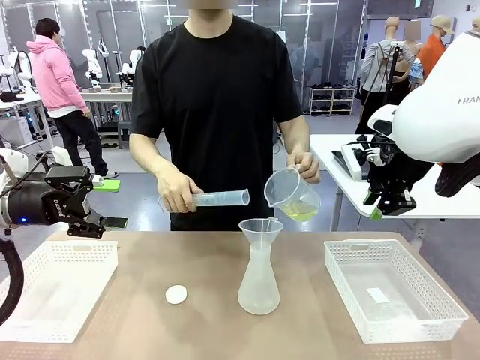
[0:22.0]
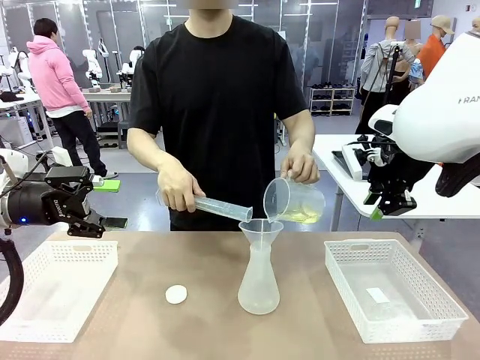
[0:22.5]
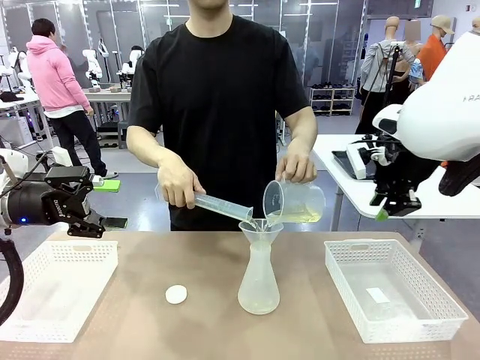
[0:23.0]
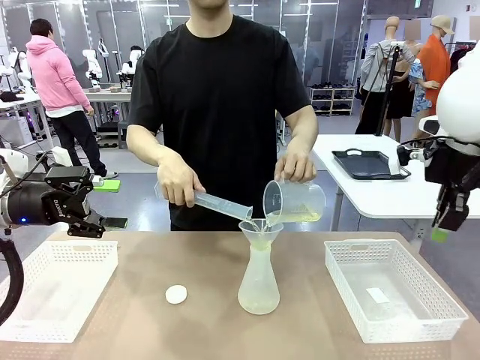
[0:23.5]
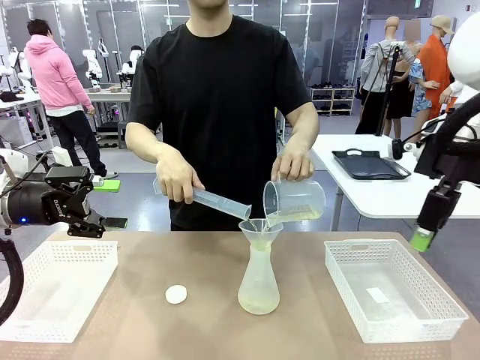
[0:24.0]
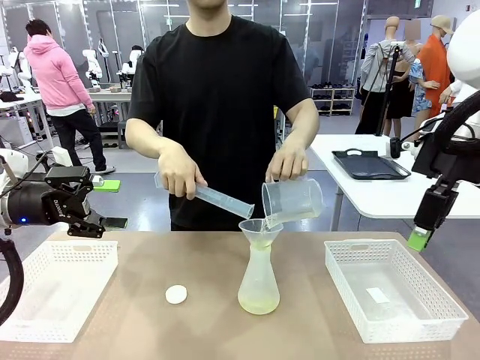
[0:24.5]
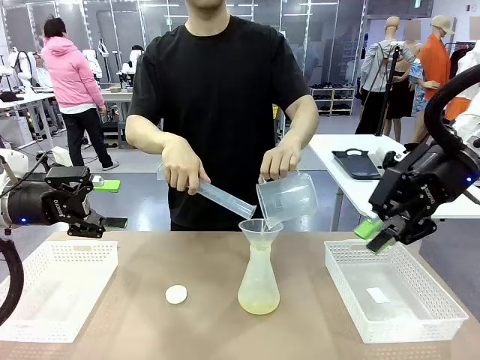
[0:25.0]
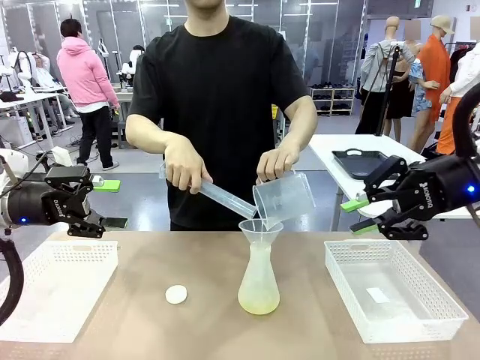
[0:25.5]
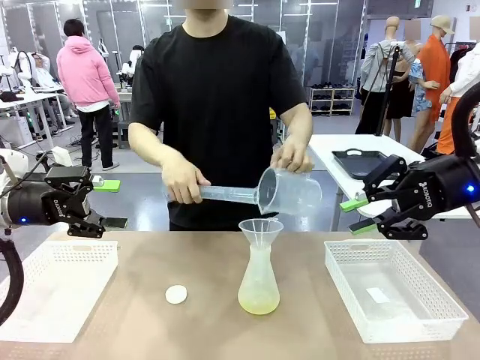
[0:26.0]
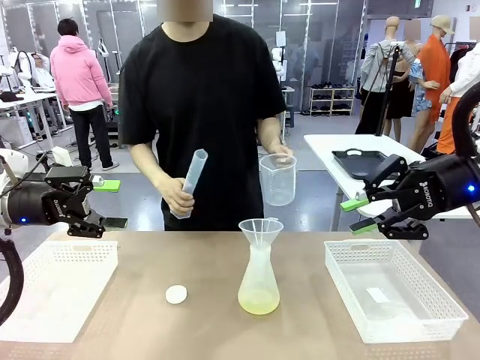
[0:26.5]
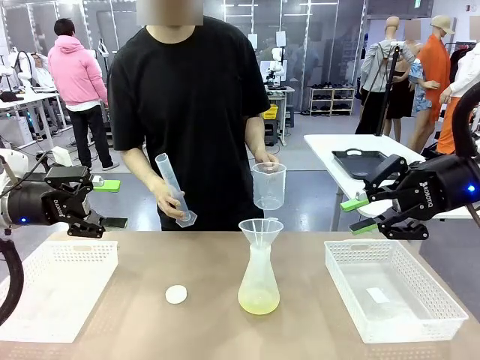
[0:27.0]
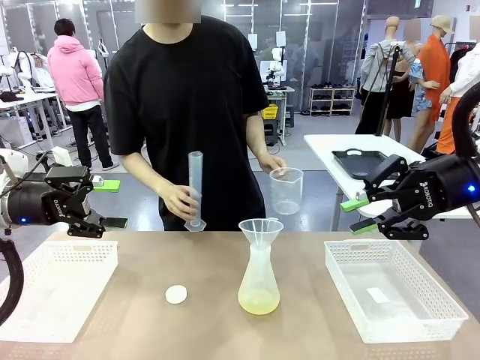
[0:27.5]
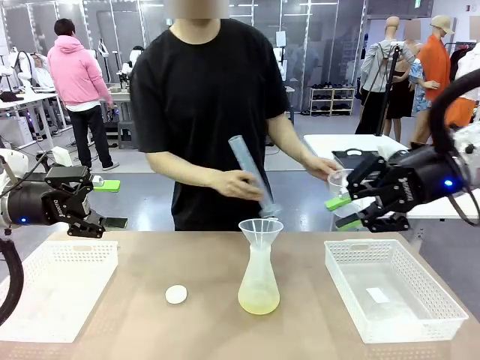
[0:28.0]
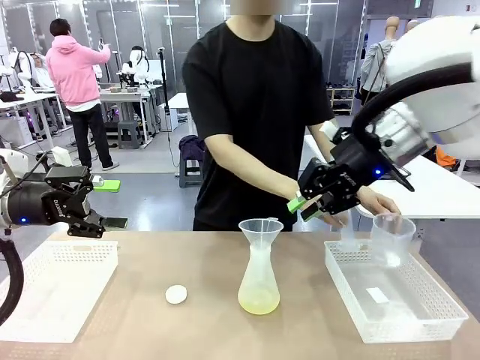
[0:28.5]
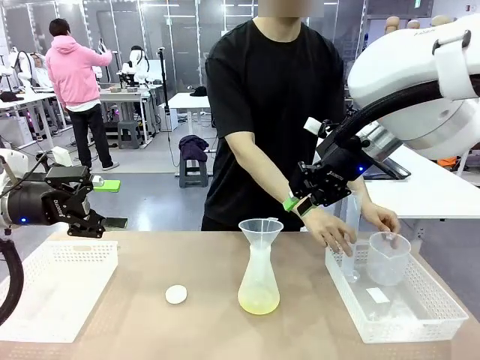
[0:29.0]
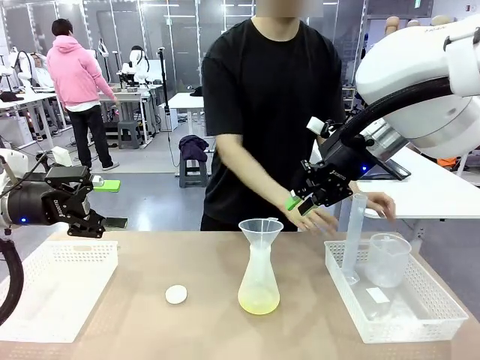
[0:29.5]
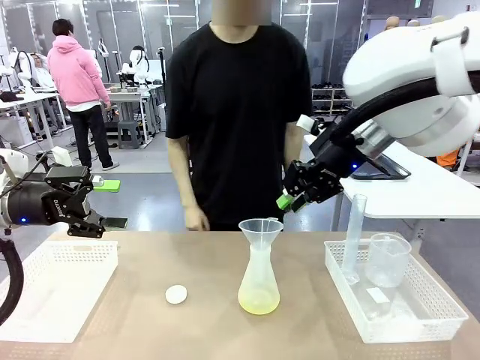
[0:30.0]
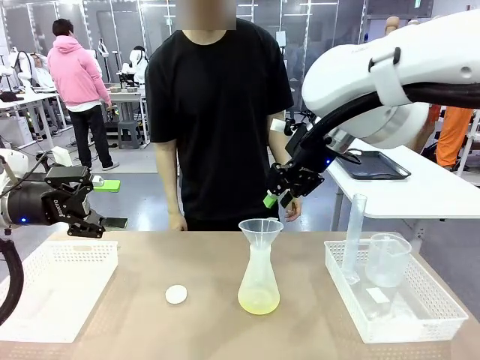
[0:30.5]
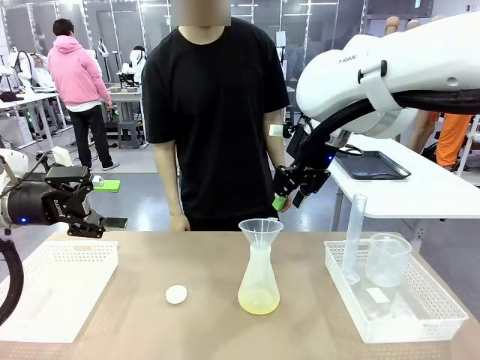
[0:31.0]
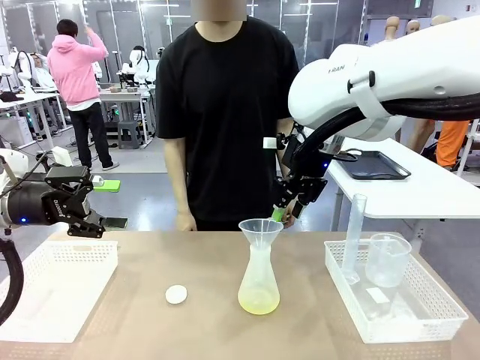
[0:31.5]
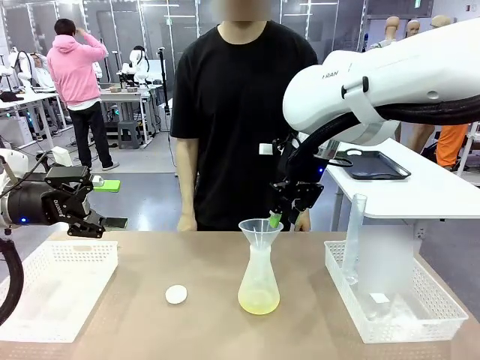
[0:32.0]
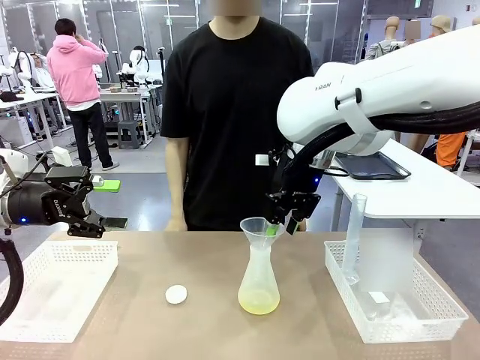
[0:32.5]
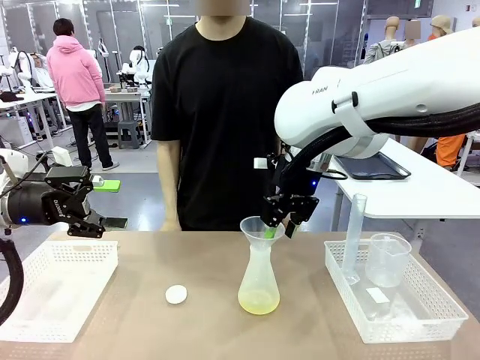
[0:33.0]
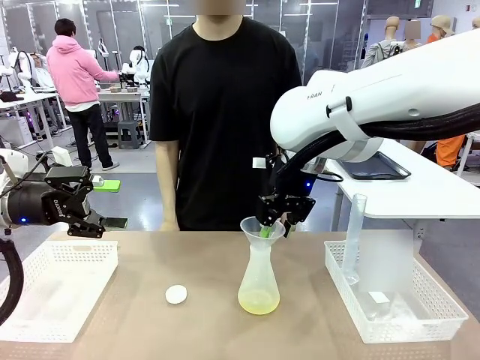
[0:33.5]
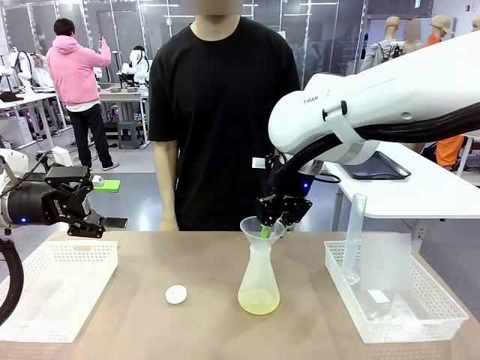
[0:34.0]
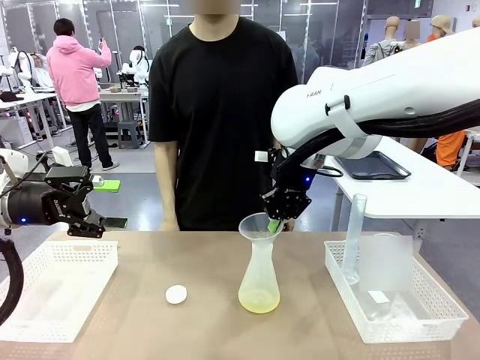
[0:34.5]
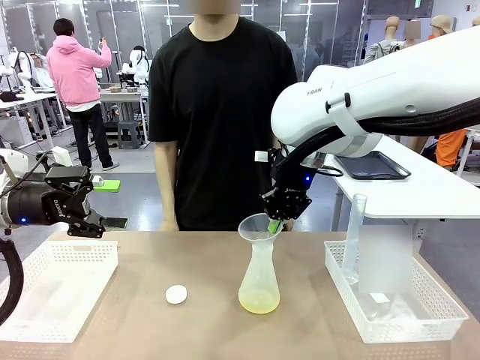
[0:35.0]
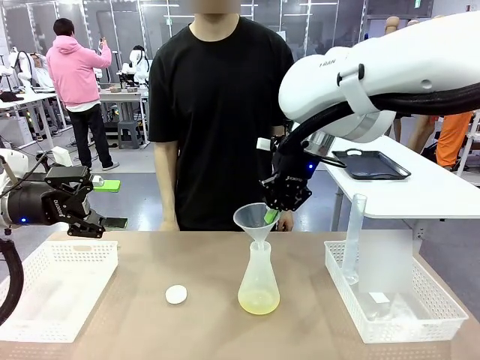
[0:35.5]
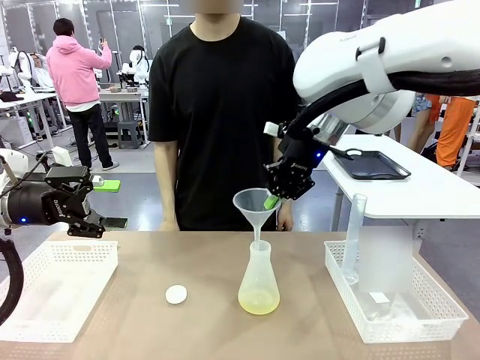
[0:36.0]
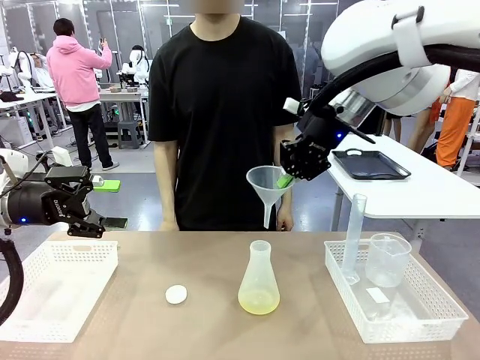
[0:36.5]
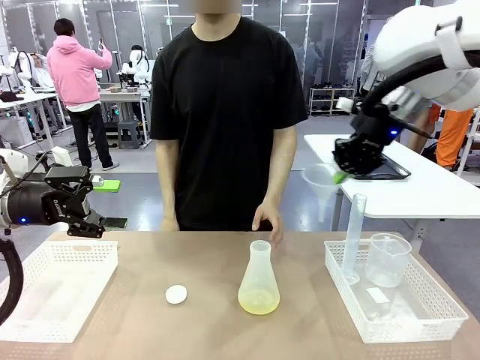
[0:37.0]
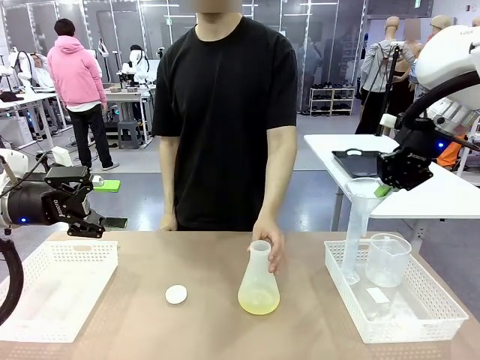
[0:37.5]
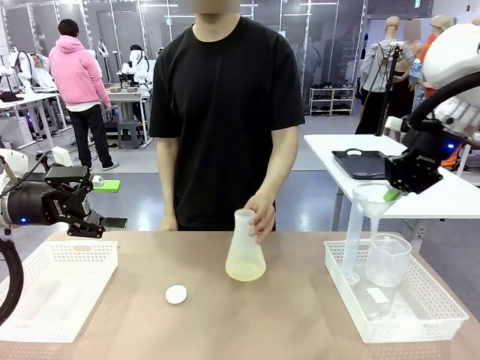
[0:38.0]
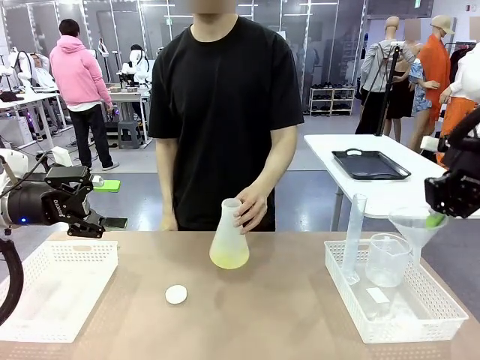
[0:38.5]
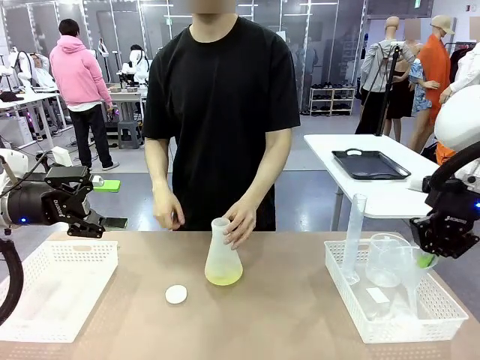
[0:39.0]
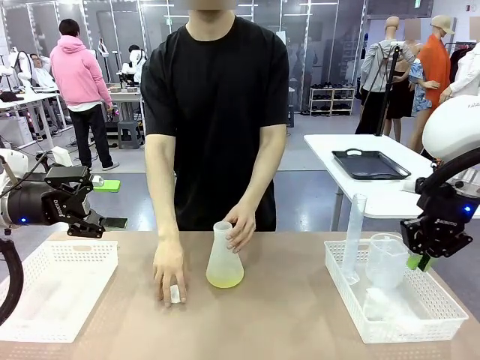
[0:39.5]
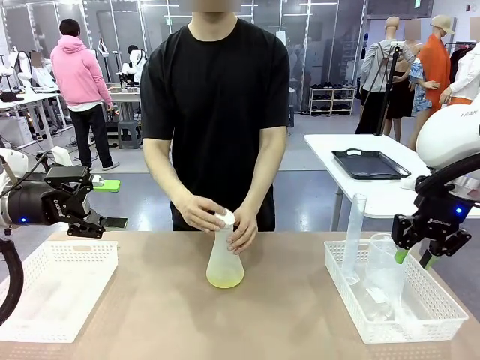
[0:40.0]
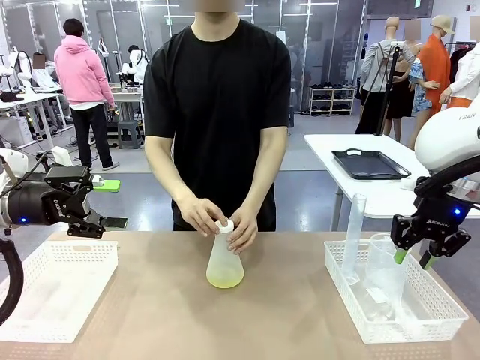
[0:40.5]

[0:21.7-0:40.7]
Task: Prepare the solutions needed for the experiment.
Robot: Once the solution is in the Big flask , pick up the Plastic Funnel and place it back into the right Organizing basket.
Person: Place the beaker and the cylinder into the organizing basket on the left side. Pick up the flask, gently shake it 2–3 times, place it in the middle of the robot table, and close the lid.

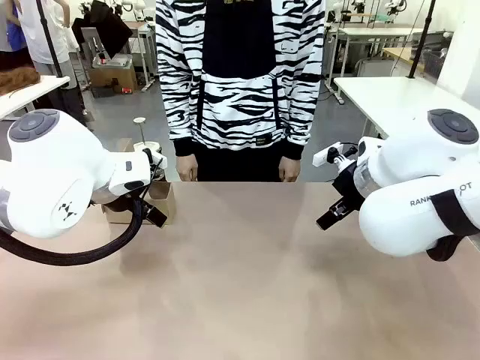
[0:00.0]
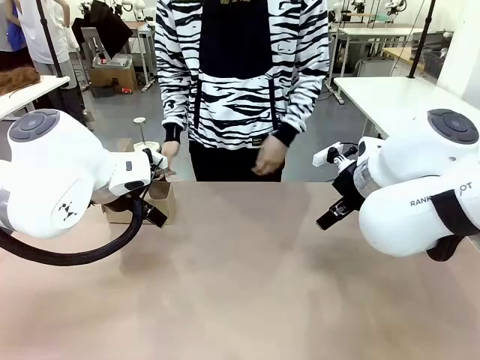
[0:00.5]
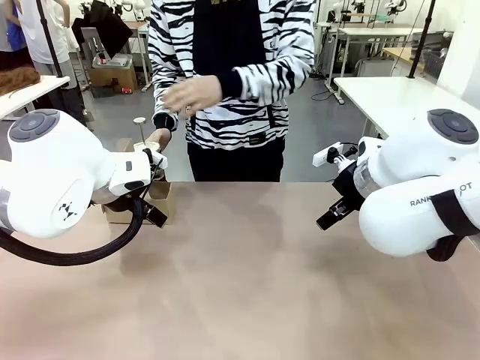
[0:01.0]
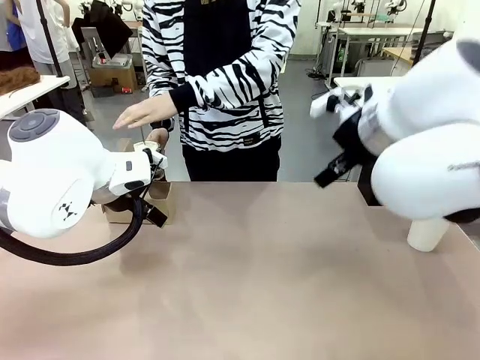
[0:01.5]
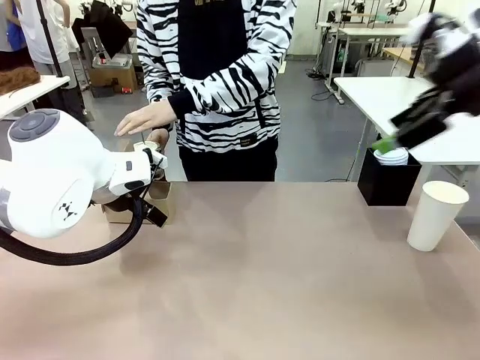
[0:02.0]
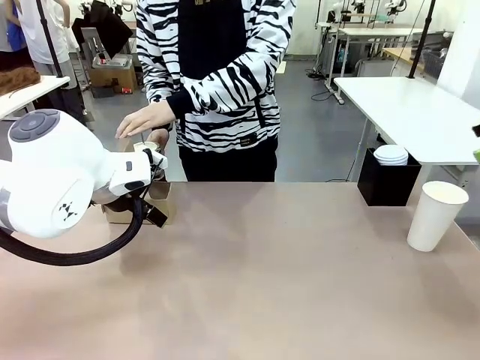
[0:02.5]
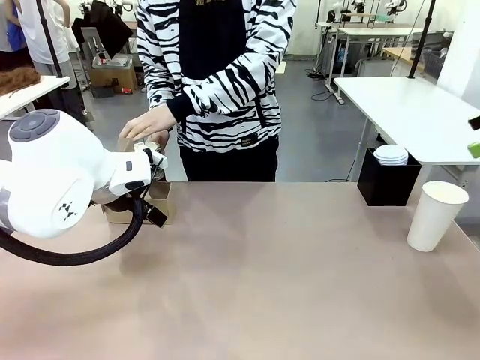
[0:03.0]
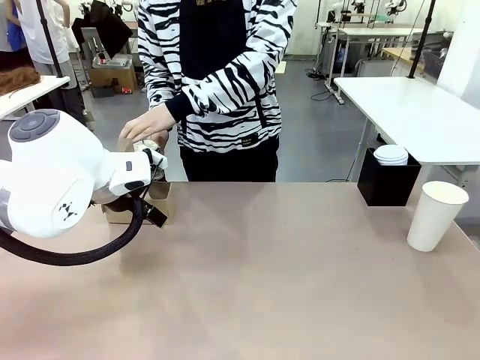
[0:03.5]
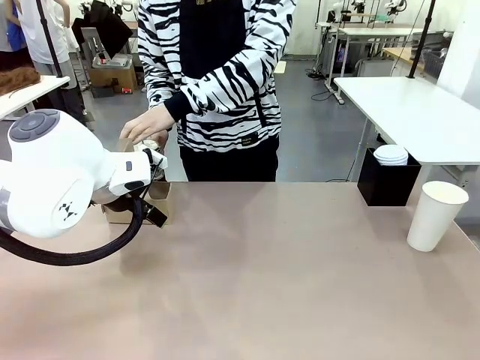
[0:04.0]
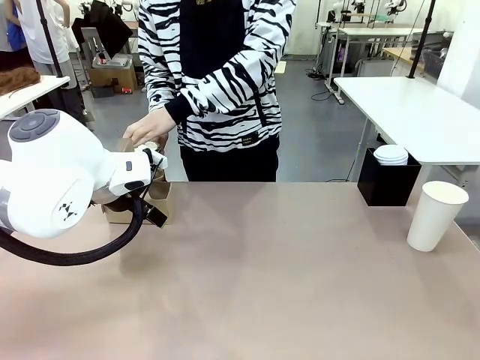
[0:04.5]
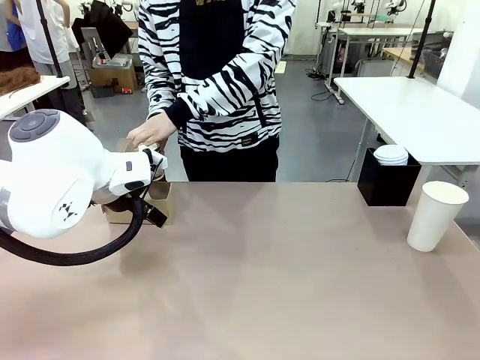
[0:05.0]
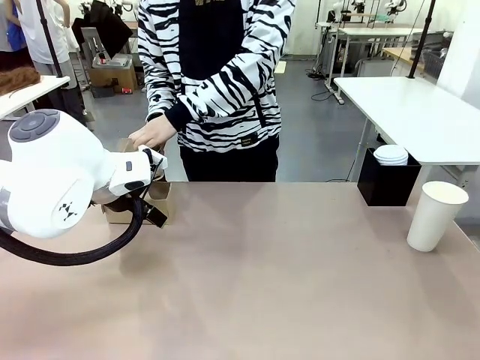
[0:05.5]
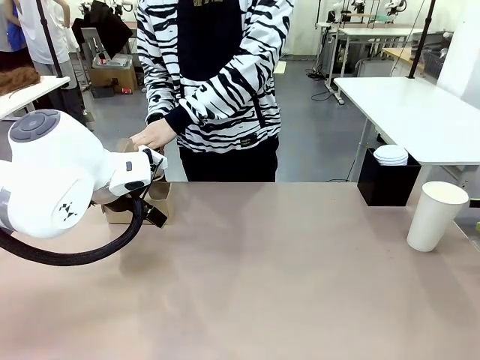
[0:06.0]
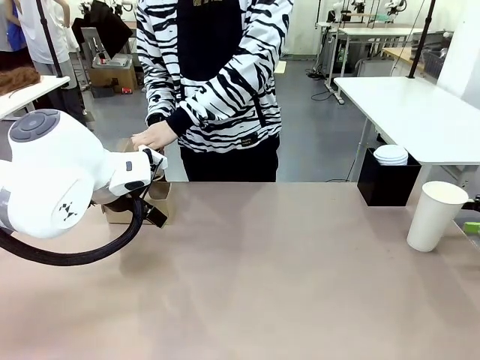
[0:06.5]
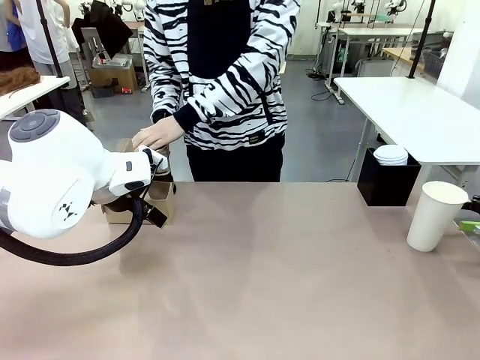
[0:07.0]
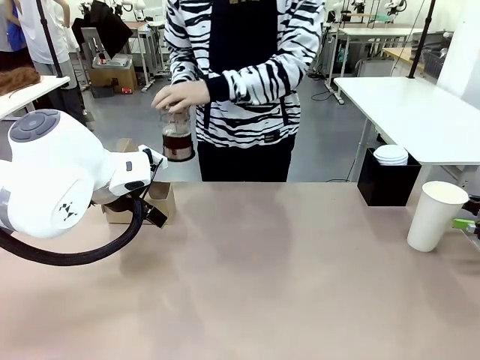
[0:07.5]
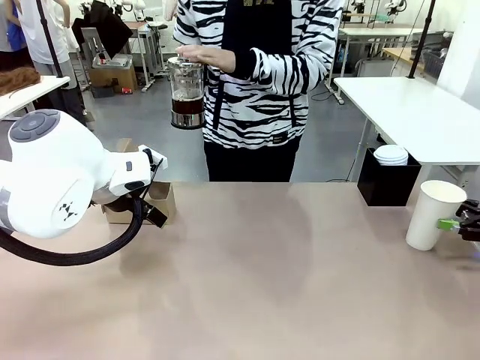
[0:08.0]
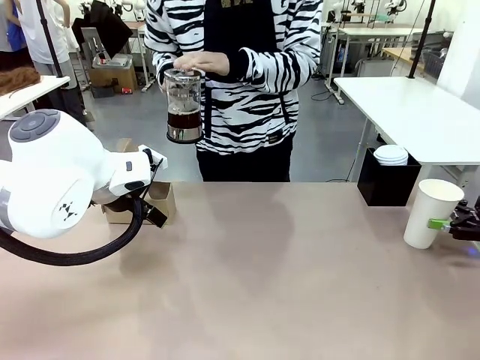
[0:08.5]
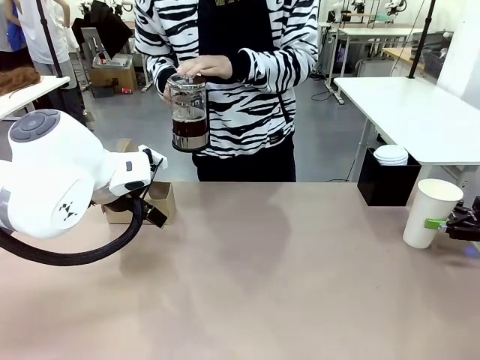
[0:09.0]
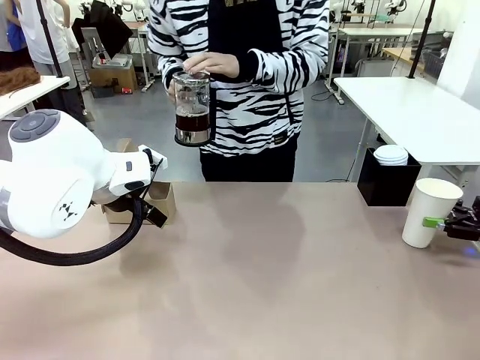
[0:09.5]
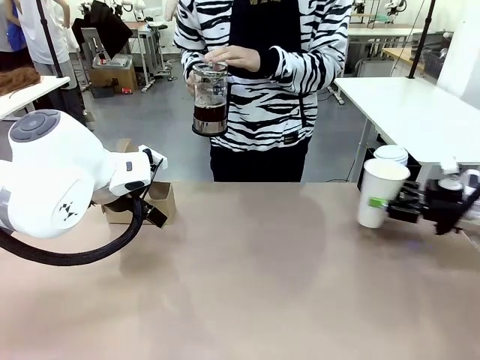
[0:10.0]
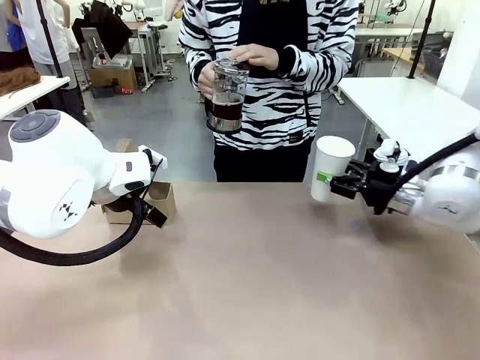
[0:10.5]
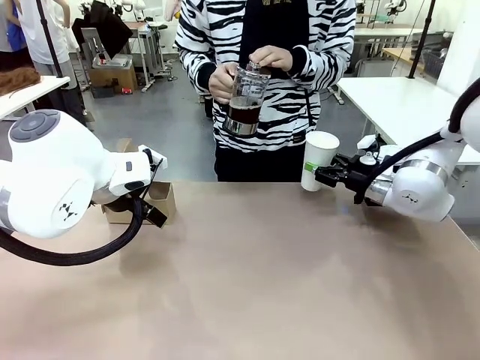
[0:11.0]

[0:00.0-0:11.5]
Task: Pour a drink into a cup and package it in a carrier.
Robot: Pick up the 600 ml Paper Cup and place it in the middle top area of the table.
Person: Press and pick up the Filter Brewing.
